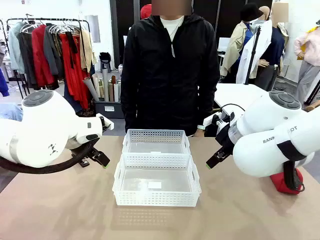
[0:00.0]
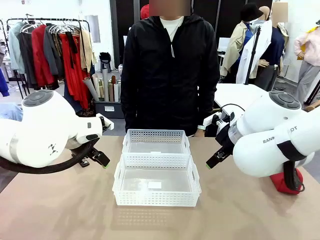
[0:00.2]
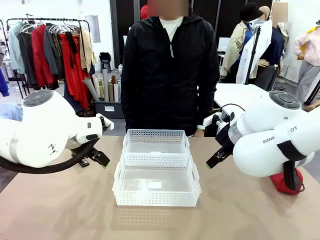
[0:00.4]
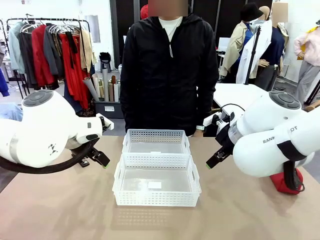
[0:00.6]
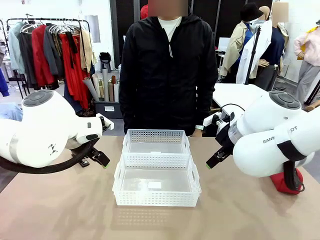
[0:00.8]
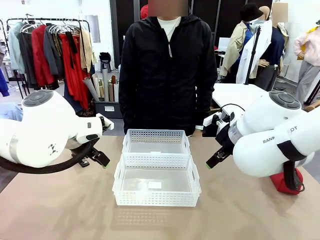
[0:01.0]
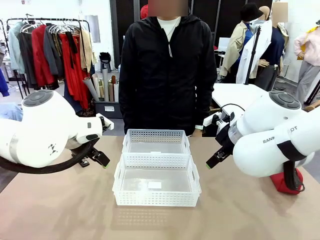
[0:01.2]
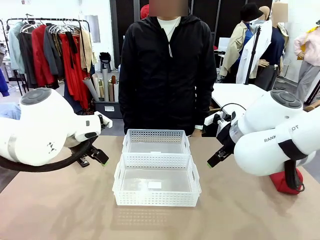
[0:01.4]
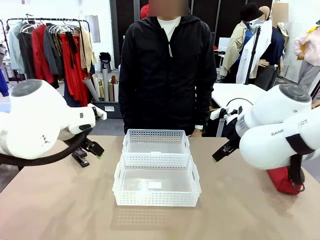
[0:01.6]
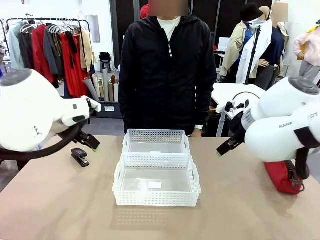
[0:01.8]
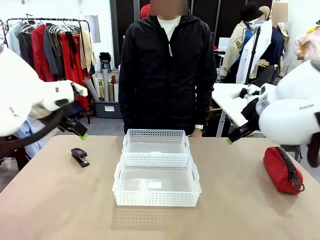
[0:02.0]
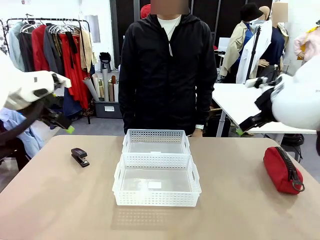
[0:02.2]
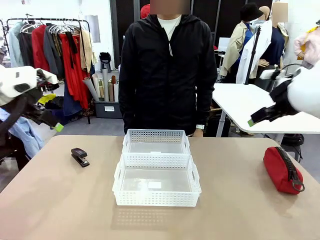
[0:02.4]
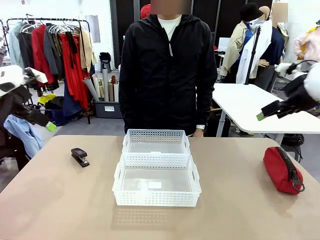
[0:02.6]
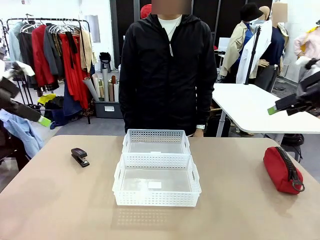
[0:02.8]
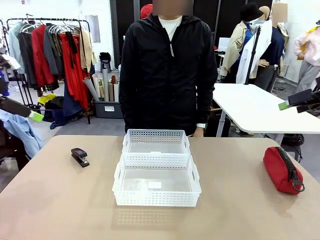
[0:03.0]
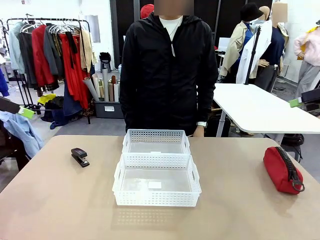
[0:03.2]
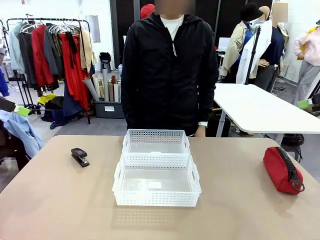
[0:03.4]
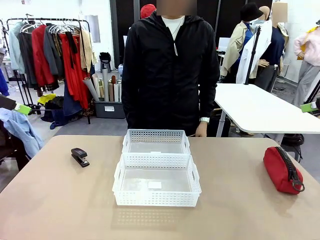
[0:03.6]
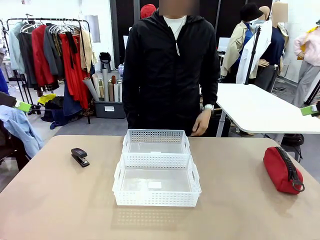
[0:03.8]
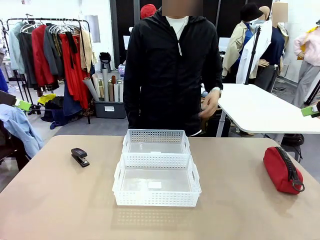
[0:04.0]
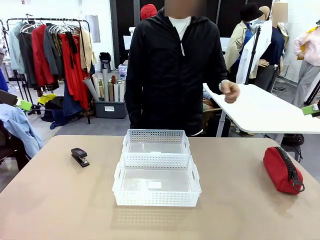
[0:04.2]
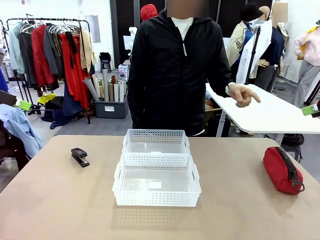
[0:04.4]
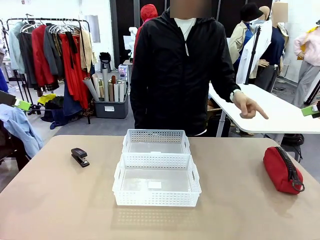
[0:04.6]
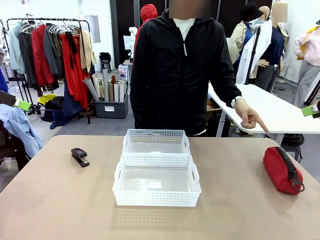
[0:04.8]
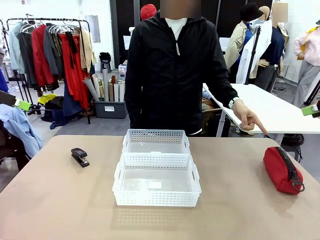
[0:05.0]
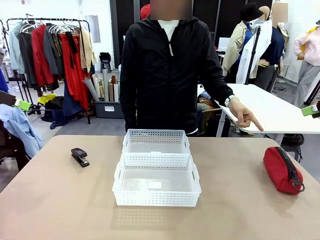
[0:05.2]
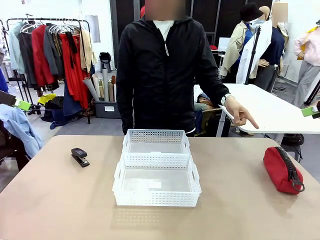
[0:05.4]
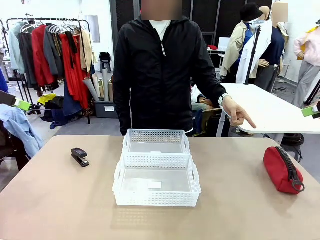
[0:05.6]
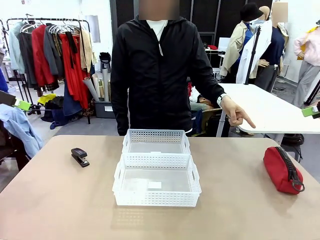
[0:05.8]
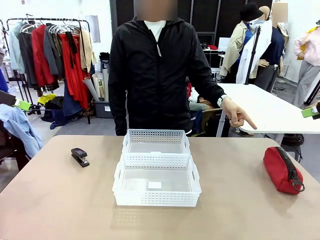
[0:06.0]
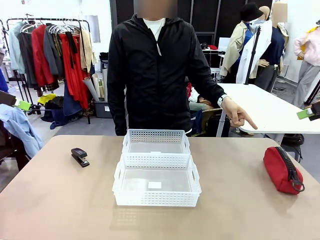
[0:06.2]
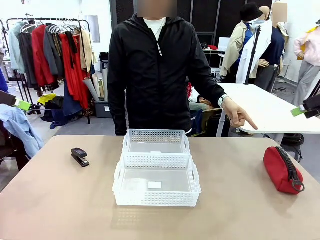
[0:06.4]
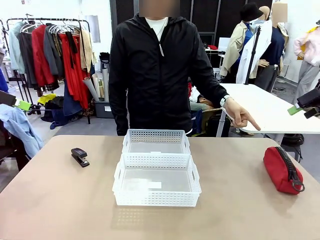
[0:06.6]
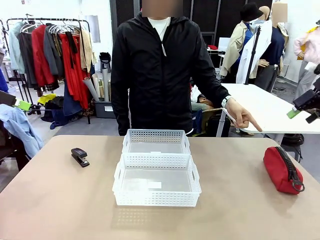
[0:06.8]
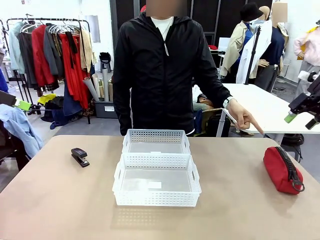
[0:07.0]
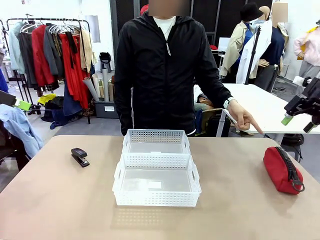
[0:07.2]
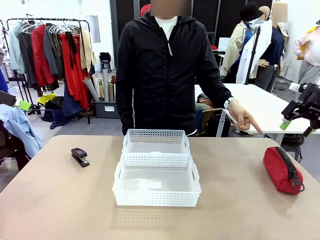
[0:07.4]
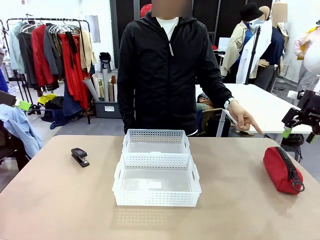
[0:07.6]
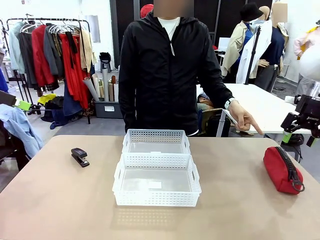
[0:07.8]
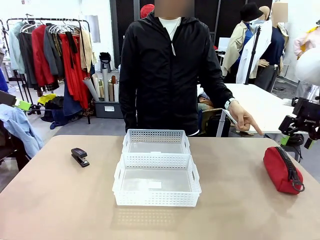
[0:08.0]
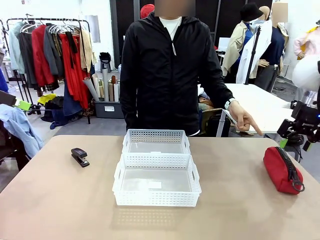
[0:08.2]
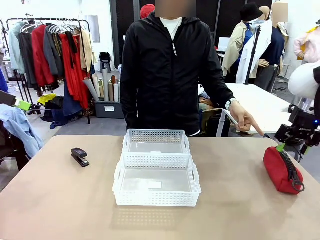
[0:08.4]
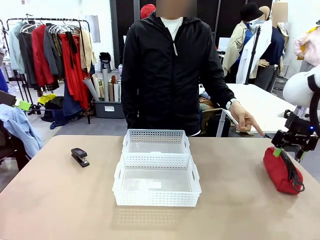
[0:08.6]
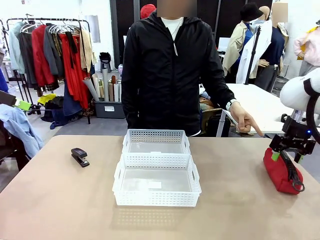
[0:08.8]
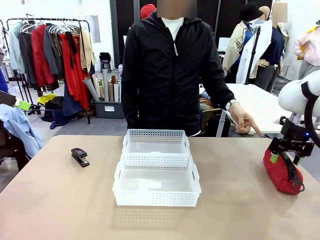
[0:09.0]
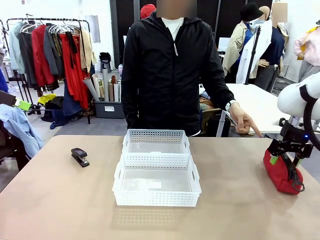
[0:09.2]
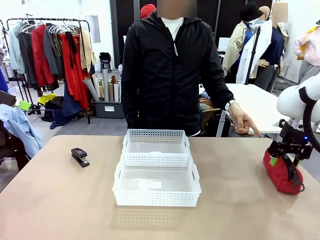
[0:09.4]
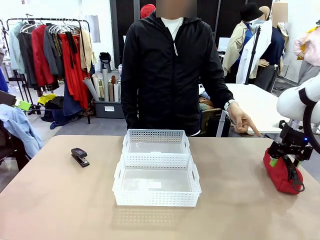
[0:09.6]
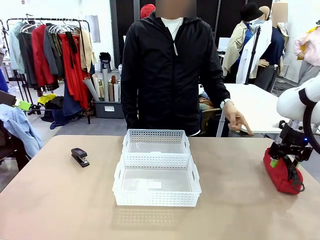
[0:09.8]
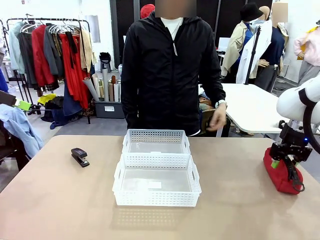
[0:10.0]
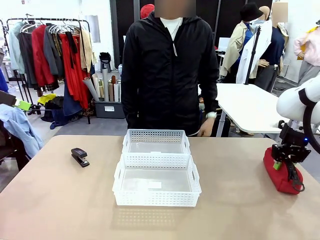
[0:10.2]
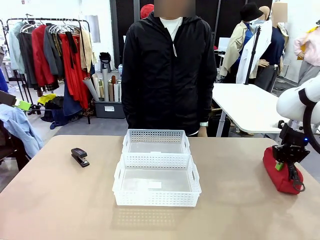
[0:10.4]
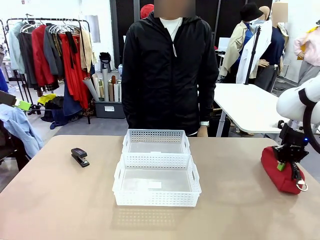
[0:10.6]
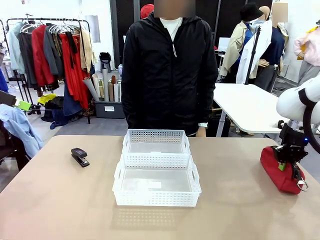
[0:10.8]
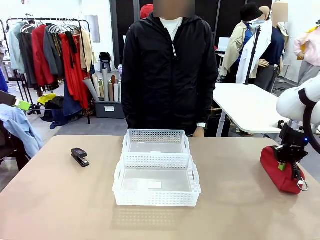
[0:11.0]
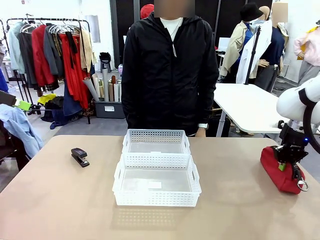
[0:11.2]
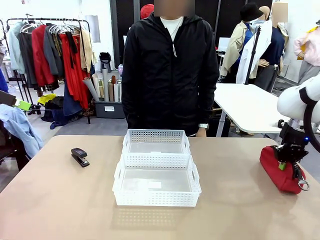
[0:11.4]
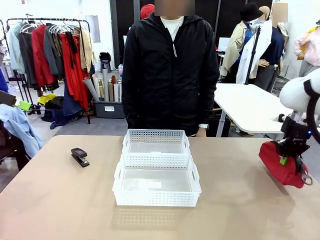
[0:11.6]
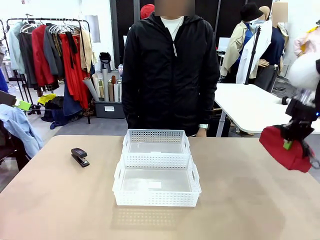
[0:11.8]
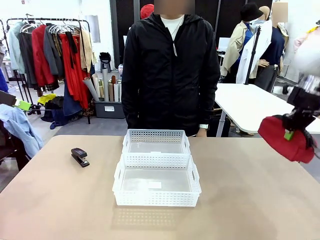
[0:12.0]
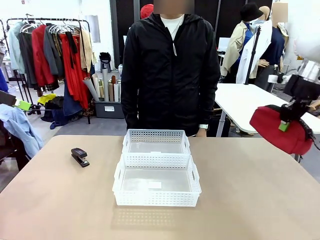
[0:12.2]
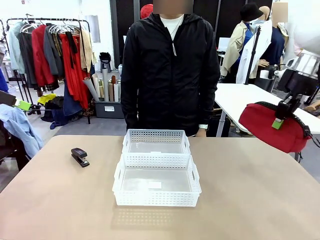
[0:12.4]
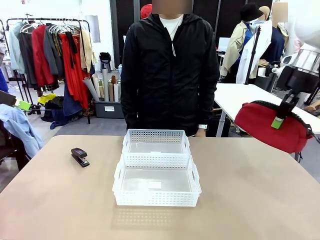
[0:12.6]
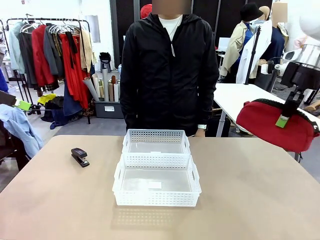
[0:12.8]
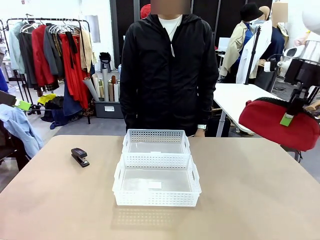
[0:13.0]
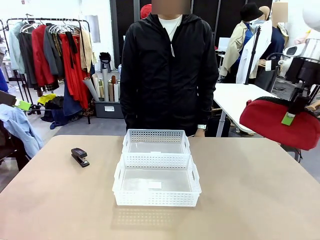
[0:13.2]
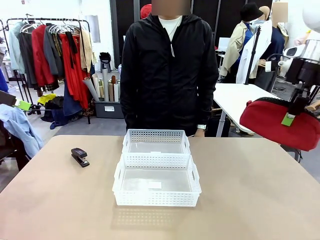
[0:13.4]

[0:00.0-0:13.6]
Task: Distribute items into two baskets.
Robot: Pick up the Pencil pouch that the person points to.
Person: Points to the pencil case. Points between the two organizing baskets and instructs the robot to move the pencil case.

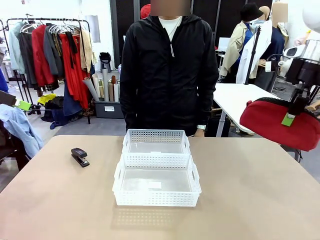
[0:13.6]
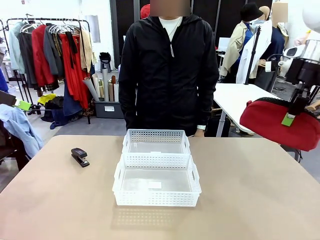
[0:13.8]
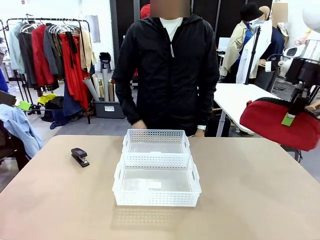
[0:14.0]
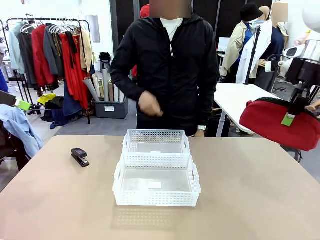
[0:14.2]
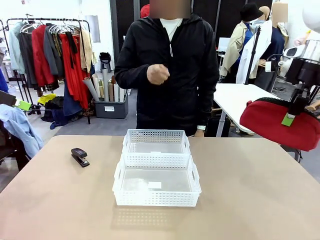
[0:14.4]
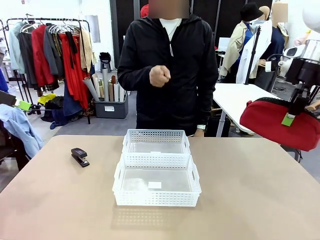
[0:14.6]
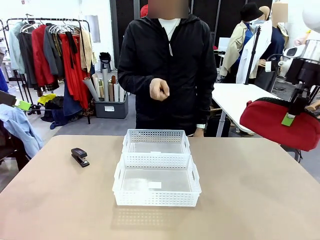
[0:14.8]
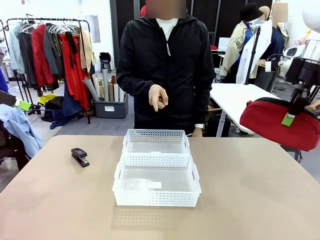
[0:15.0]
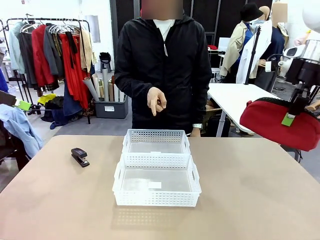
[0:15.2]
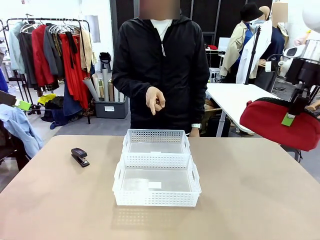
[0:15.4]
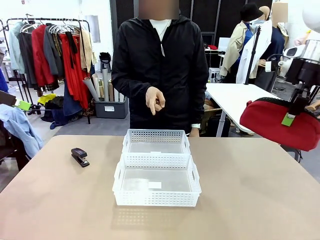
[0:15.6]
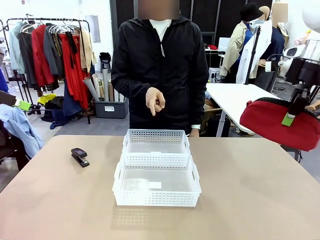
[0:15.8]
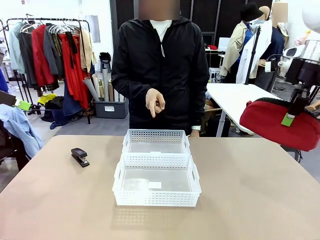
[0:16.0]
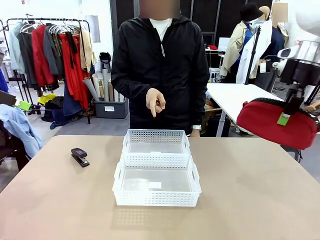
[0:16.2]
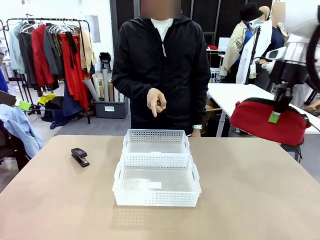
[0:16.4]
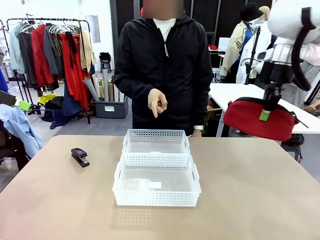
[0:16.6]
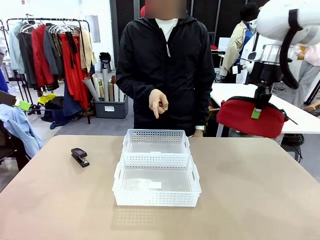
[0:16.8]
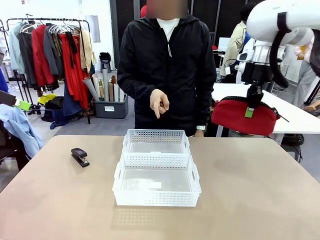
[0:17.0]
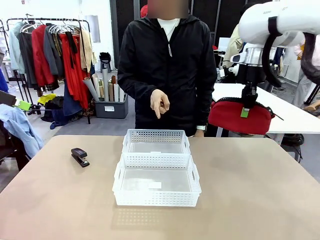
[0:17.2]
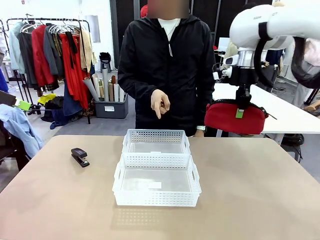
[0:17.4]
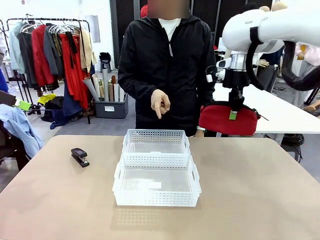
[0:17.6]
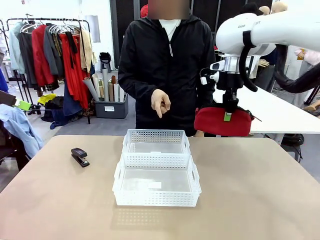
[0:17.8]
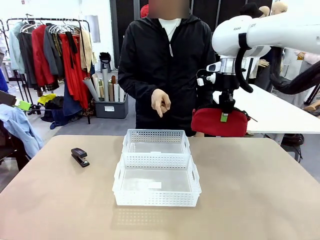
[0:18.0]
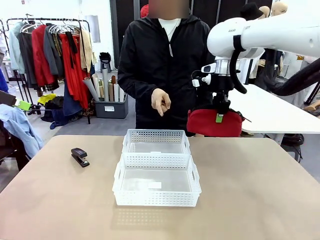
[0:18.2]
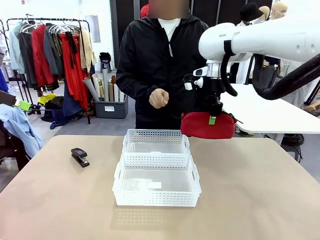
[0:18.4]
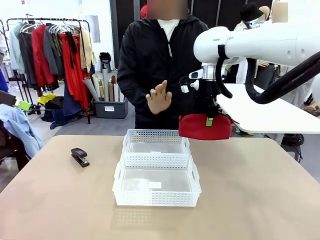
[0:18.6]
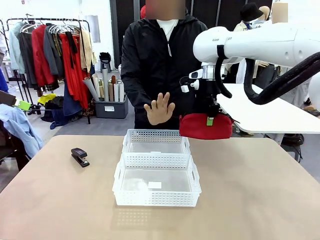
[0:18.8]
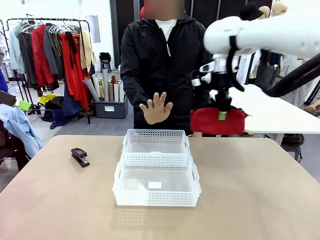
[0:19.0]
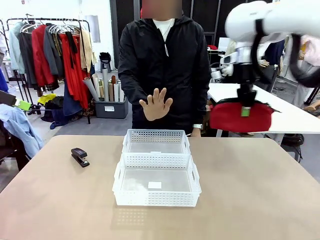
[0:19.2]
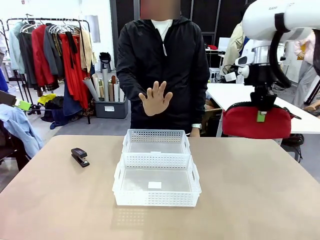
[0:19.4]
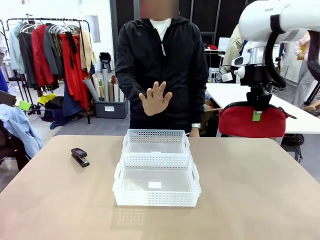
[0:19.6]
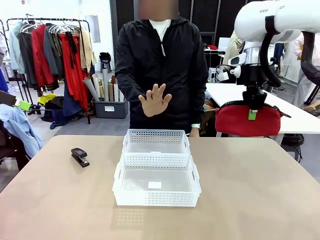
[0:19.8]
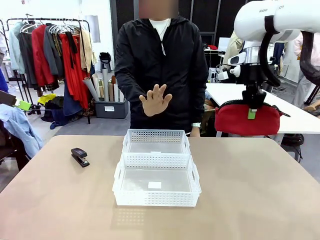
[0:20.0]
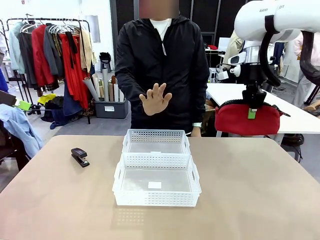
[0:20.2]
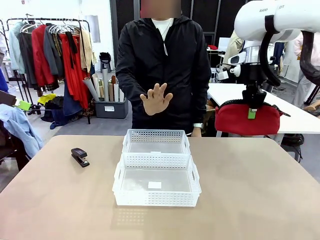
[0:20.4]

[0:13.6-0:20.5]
Robot: Move the picked Pencil pouch towards the Organizing basket indicated by the person, stopping as directed.
Person: Sends a stop gesture before the robot places the pencil case into the basket.
